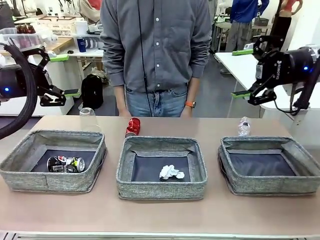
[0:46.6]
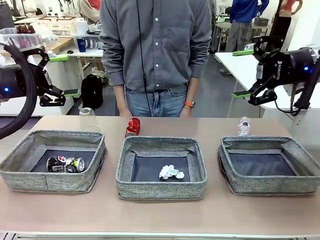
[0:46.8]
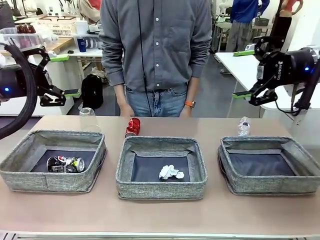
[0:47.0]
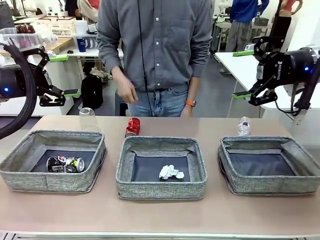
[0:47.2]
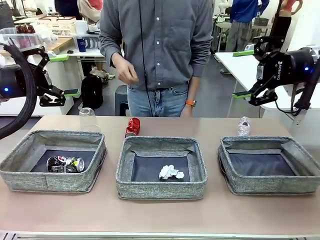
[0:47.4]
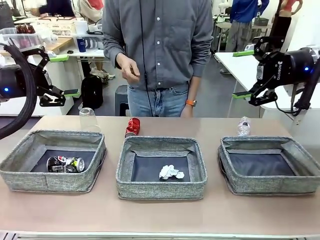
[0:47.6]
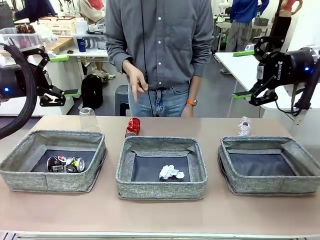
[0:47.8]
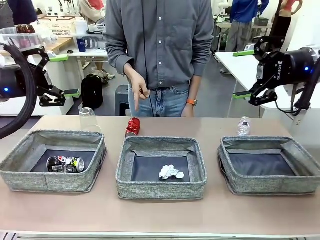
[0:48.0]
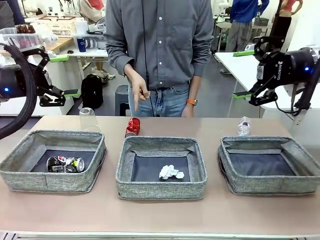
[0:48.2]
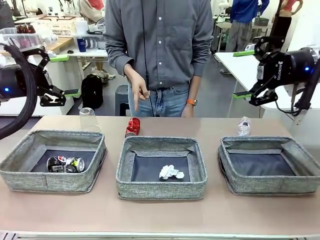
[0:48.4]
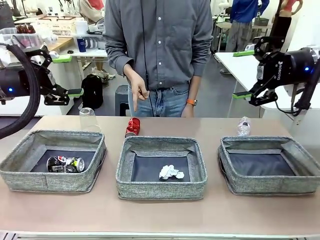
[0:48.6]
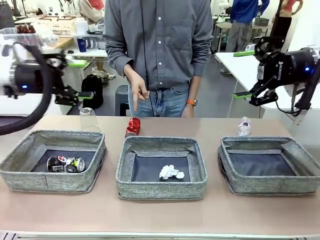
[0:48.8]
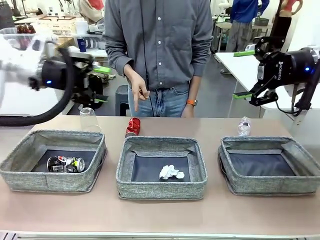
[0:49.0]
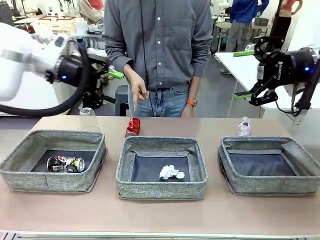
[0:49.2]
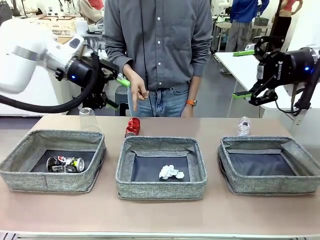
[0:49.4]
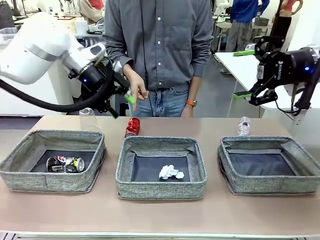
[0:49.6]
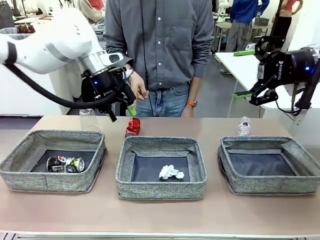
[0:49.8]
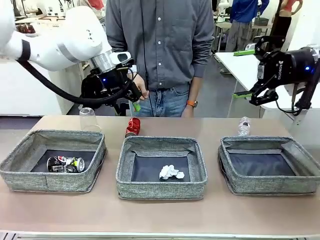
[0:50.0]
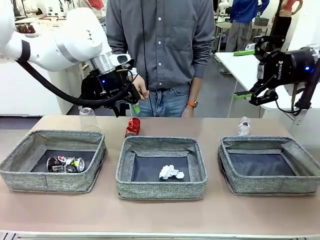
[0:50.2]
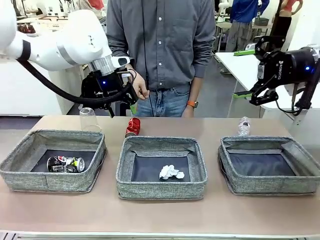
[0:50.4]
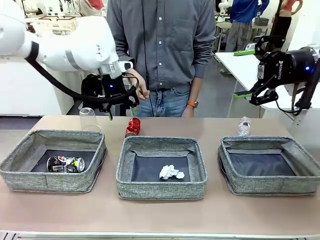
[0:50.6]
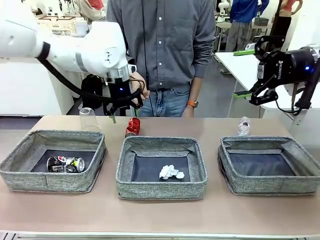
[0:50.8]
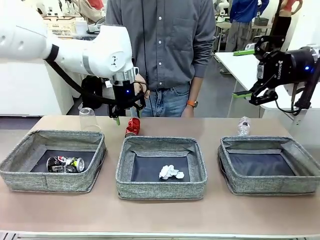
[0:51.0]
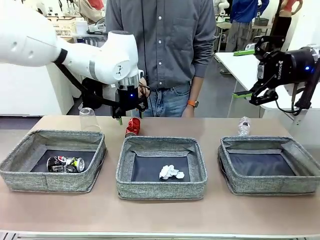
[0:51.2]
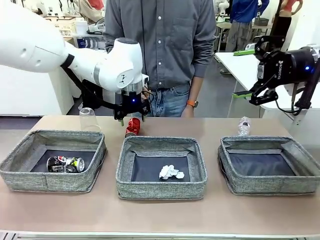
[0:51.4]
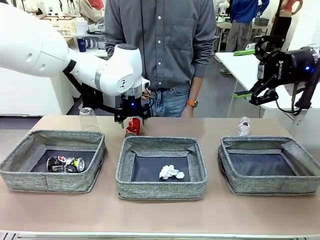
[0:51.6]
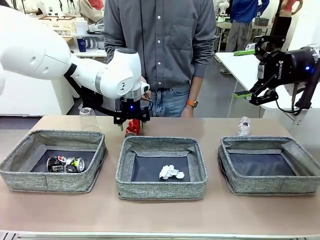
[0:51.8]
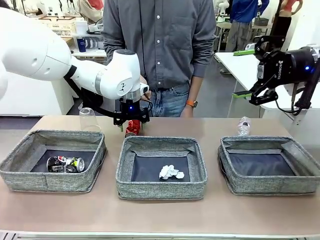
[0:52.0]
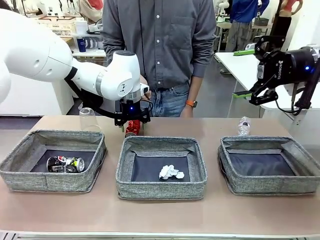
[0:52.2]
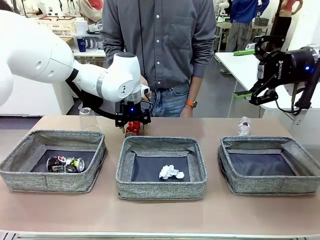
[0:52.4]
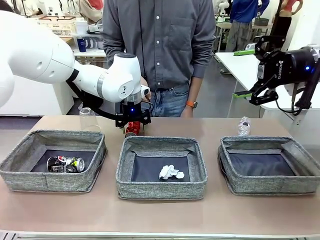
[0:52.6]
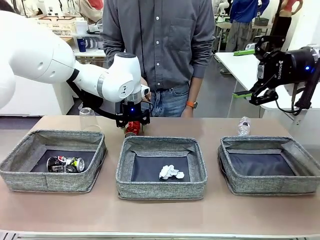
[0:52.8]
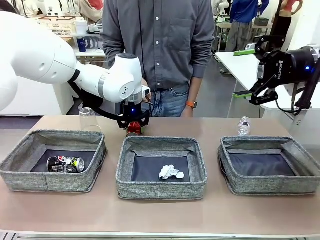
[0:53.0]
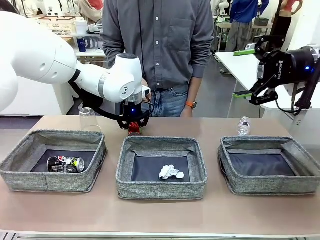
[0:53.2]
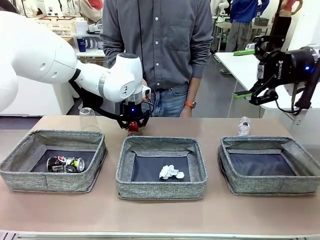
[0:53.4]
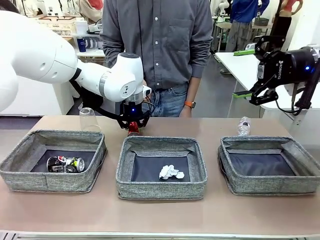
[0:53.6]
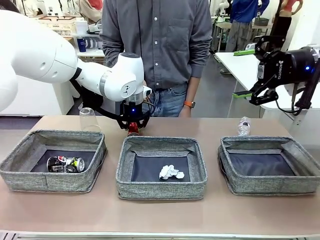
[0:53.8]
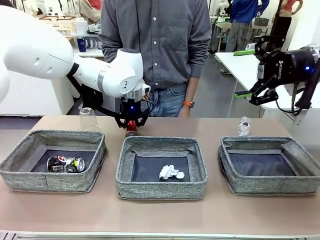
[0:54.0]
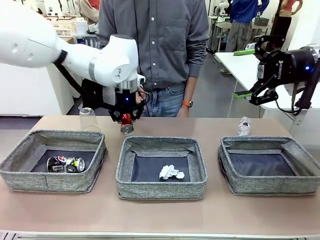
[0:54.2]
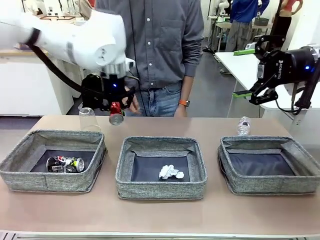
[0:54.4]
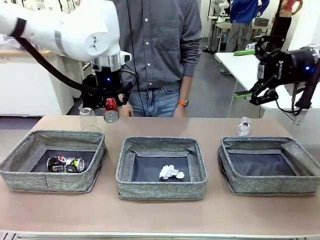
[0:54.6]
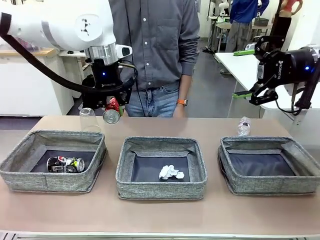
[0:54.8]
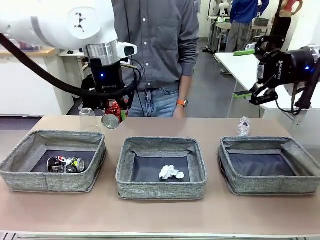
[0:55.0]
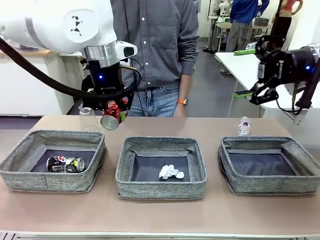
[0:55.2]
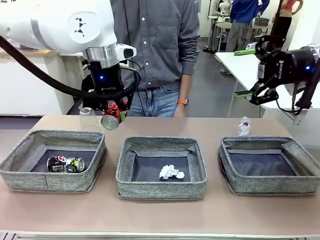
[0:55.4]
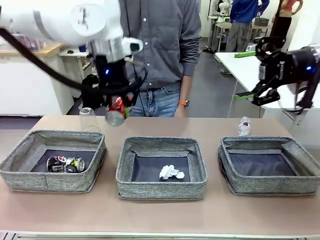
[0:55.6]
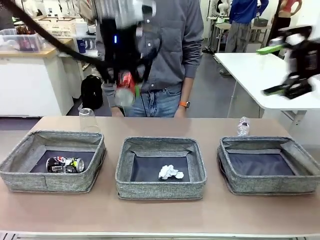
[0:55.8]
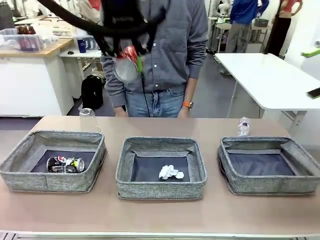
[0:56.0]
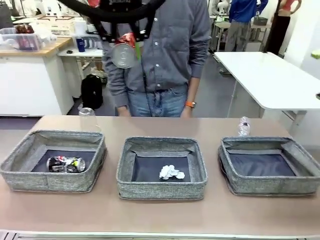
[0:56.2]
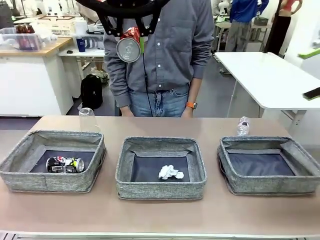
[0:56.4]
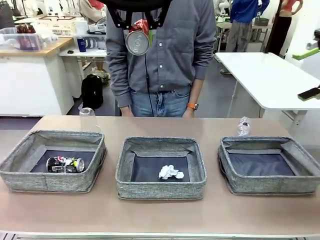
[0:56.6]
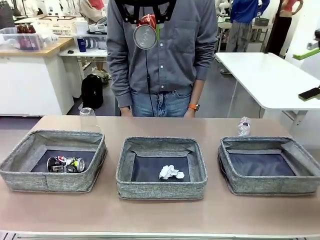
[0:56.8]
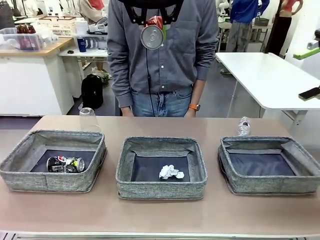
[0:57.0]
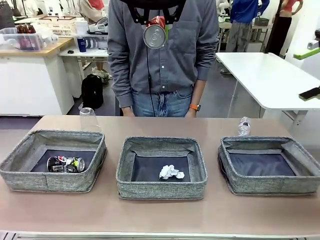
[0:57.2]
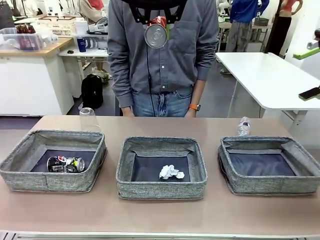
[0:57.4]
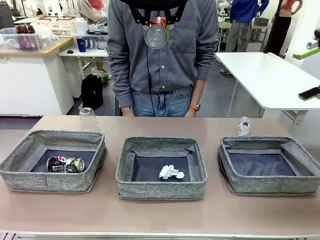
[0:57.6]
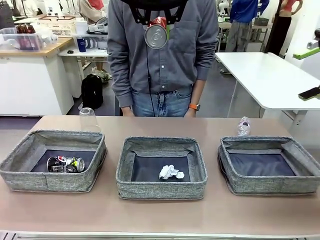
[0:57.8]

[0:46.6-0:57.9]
Task: Sort the waste into the appropriate baskets.
Robot: Pick up the waste item pointed out by the person.
Person: Points to one piece of trash on the table.

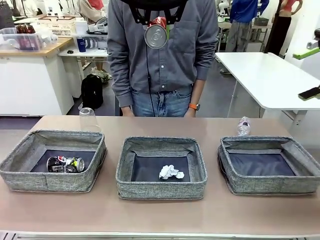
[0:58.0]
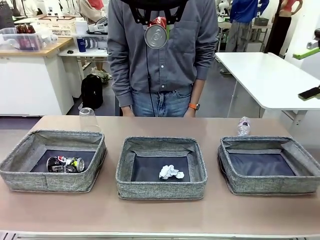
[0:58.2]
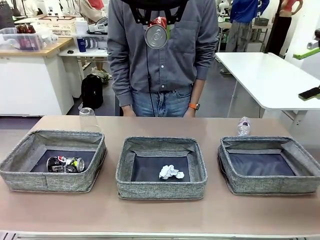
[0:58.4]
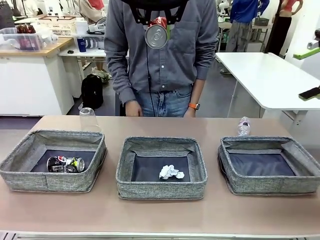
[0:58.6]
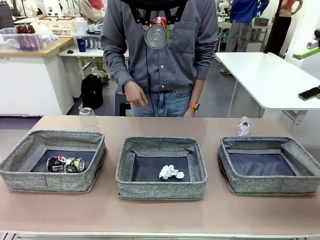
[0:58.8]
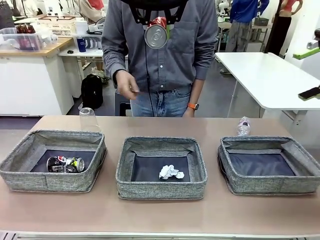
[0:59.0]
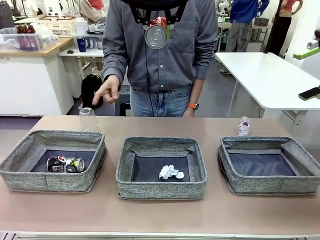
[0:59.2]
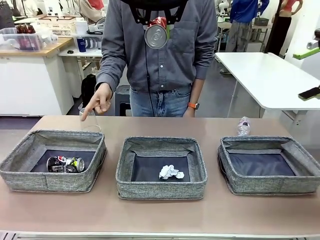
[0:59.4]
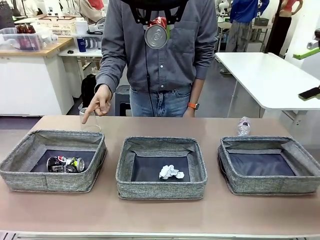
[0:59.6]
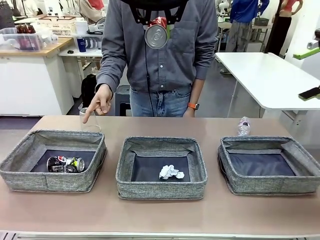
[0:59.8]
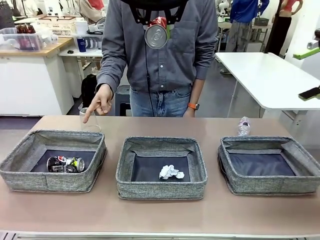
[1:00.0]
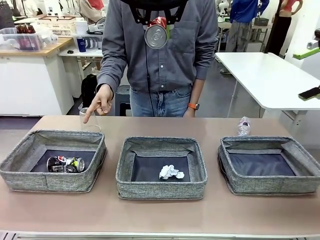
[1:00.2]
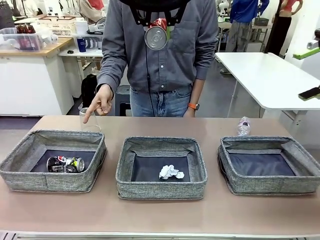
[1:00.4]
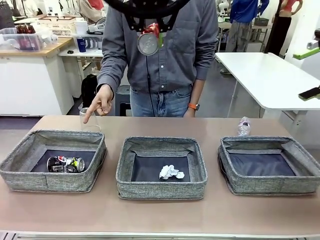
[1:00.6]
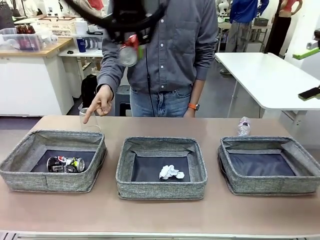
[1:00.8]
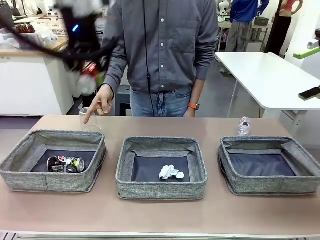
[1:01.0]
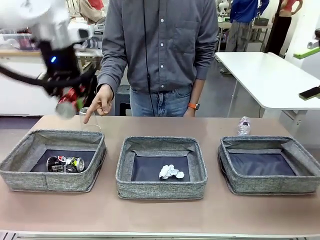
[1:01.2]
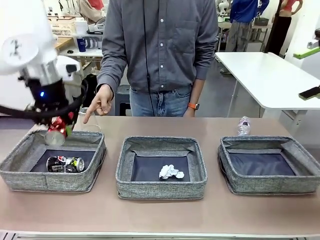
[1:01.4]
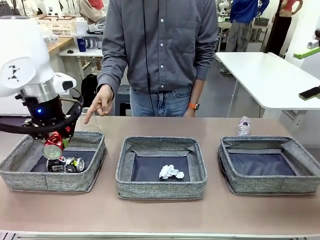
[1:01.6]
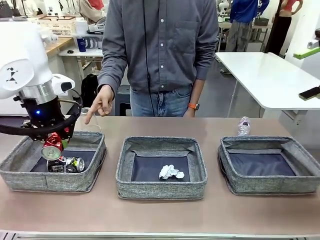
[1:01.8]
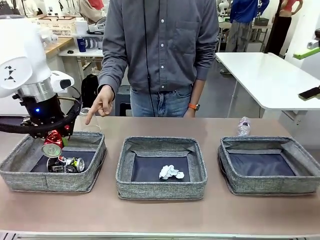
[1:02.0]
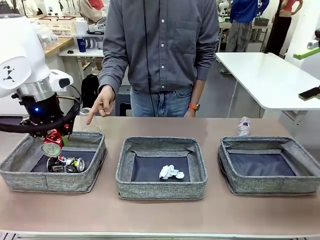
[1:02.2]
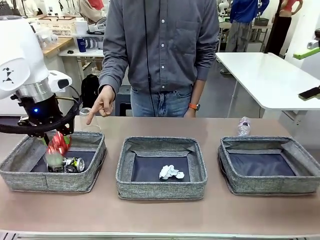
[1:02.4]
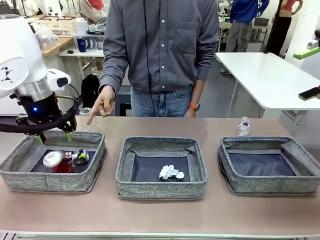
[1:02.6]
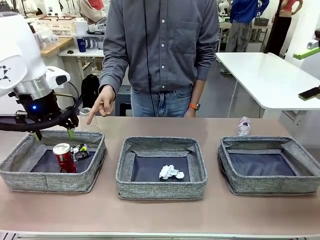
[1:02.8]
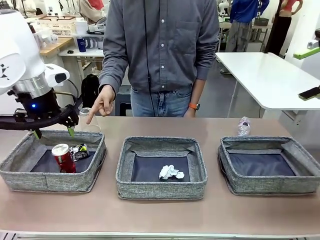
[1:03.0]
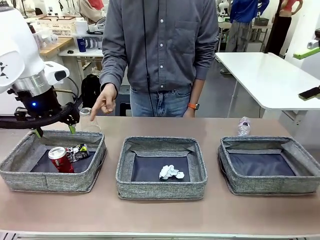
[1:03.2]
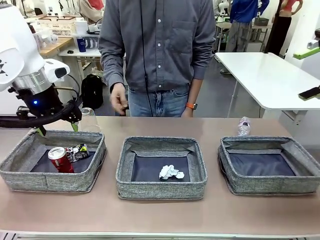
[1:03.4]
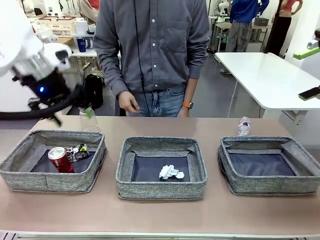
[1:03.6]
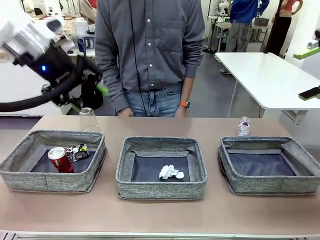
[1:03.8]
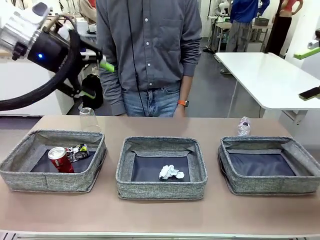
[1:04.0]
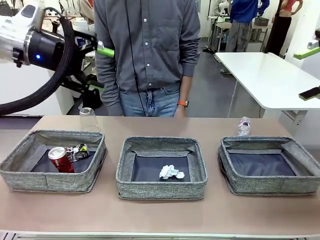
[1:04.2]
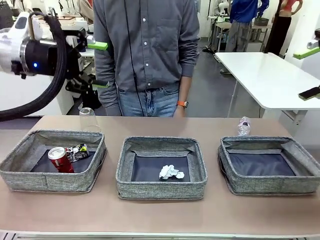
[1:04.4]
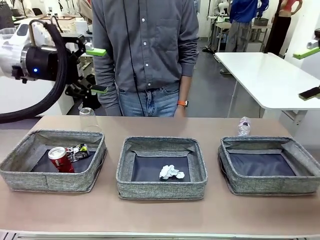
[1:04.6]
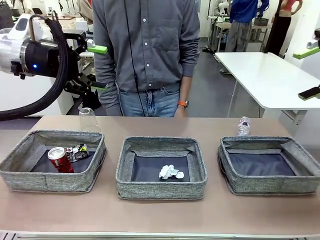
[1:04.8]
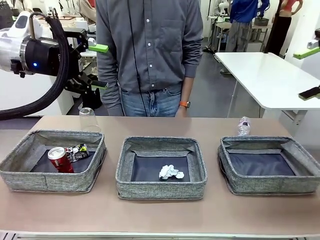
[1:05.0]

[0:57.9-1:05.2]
Robot: Place the picked waste into the Fabric basket indicated by the person.
Person: Instructs the robot to place the picked-up trash into the appropriate organizing basket.
